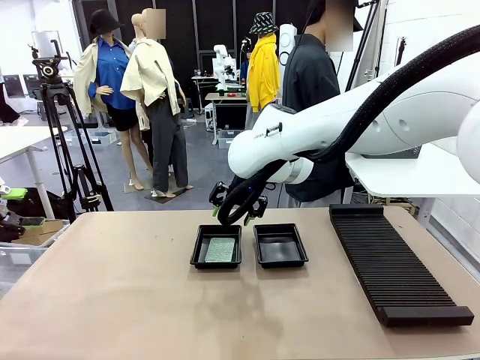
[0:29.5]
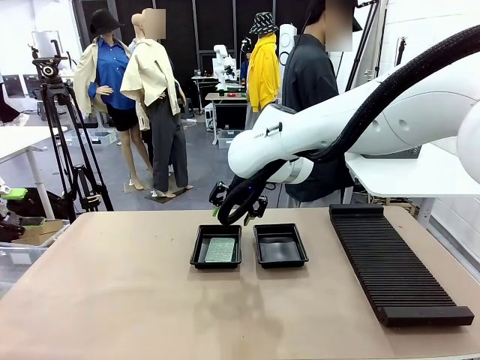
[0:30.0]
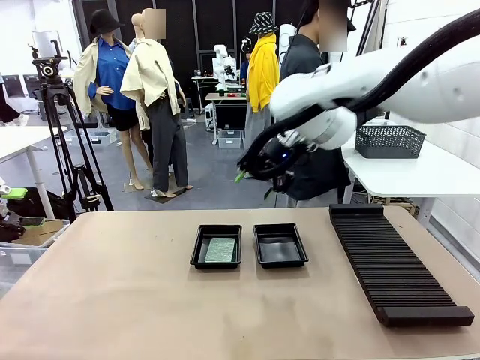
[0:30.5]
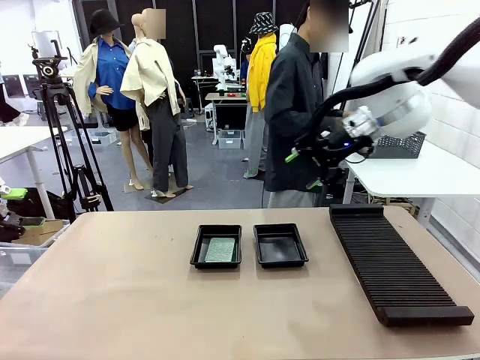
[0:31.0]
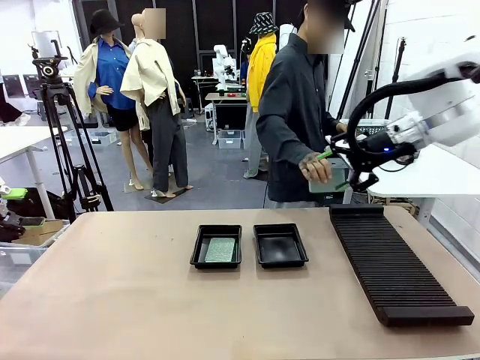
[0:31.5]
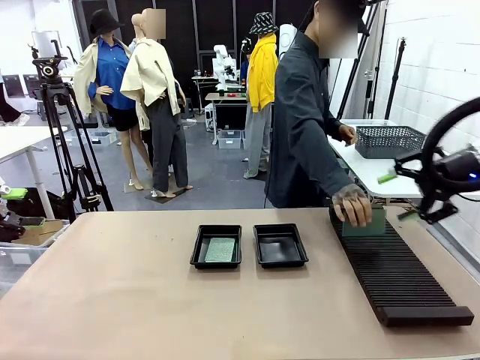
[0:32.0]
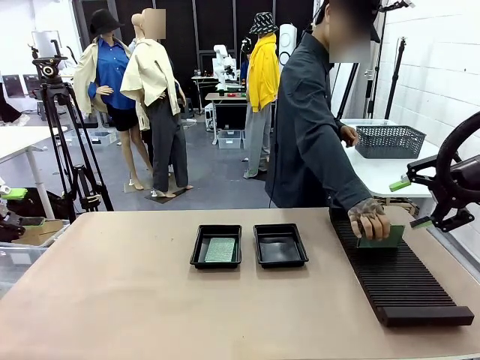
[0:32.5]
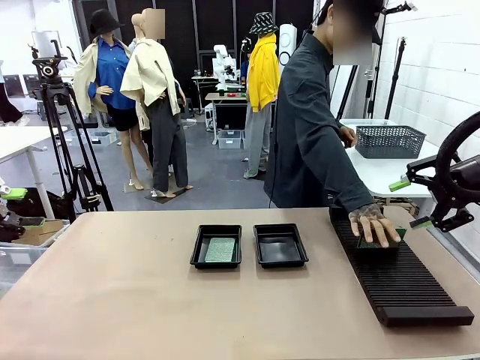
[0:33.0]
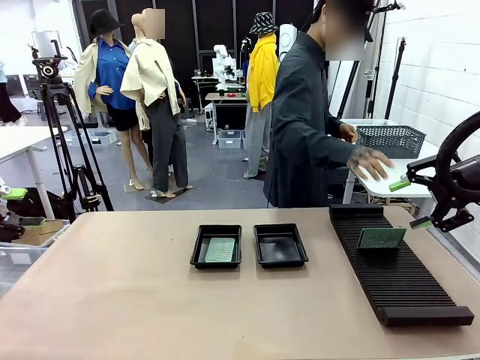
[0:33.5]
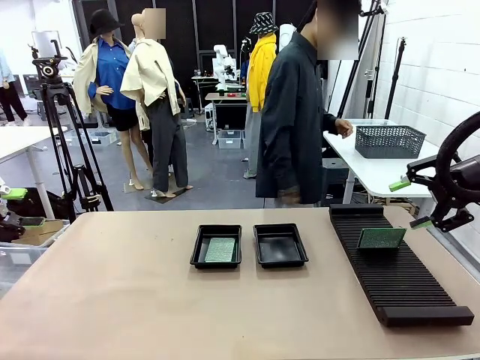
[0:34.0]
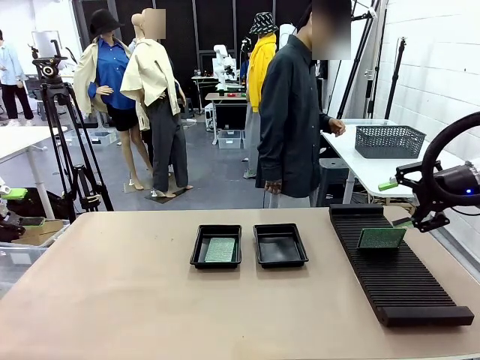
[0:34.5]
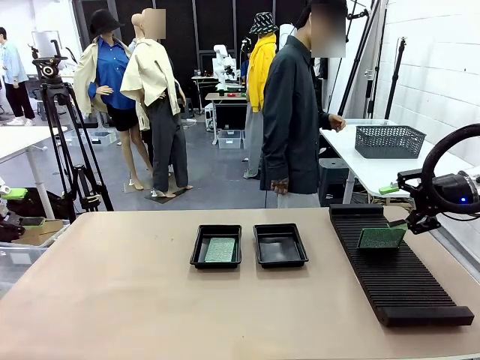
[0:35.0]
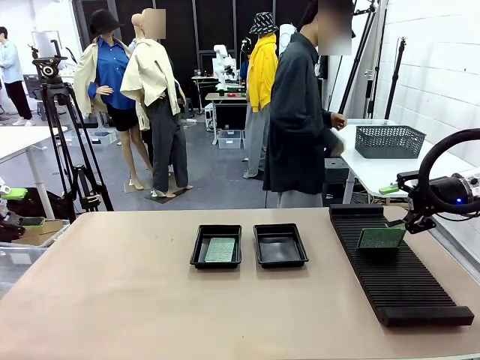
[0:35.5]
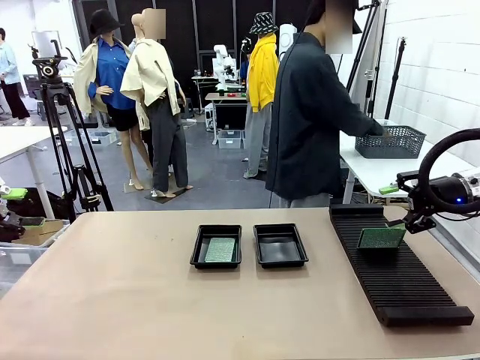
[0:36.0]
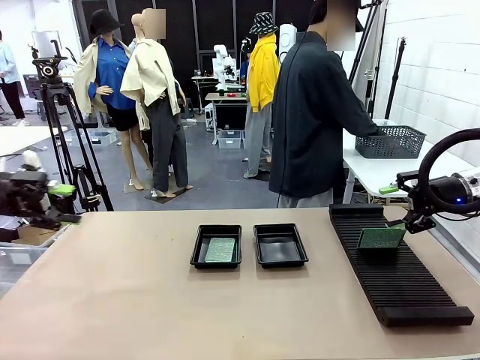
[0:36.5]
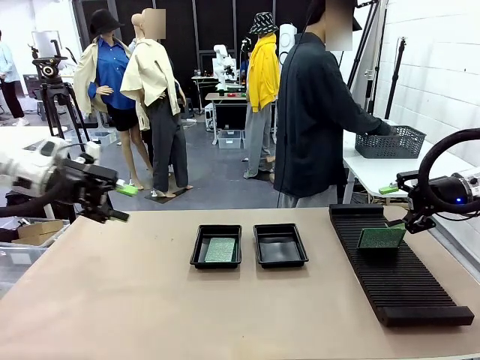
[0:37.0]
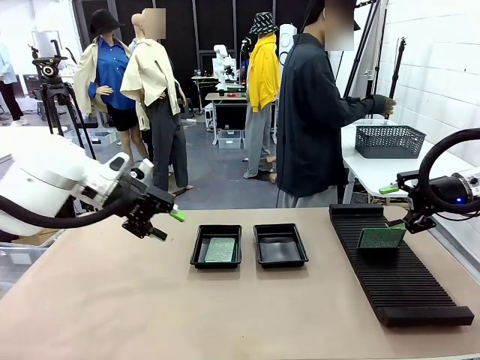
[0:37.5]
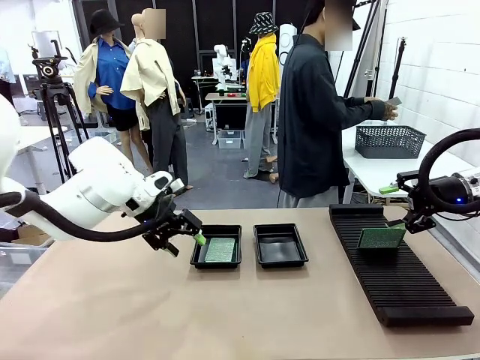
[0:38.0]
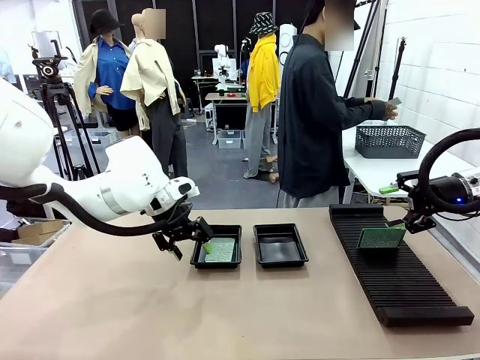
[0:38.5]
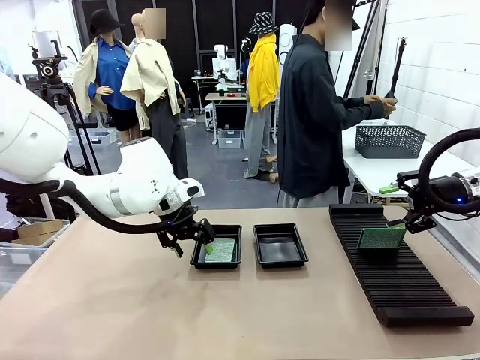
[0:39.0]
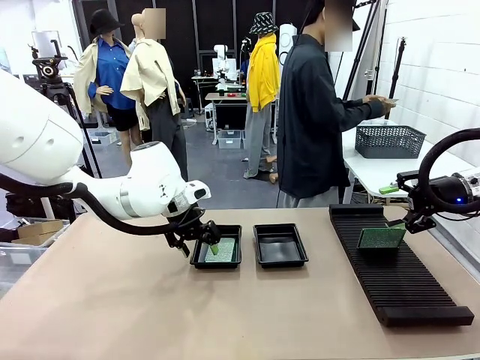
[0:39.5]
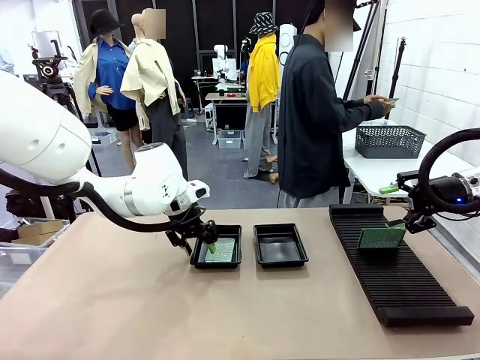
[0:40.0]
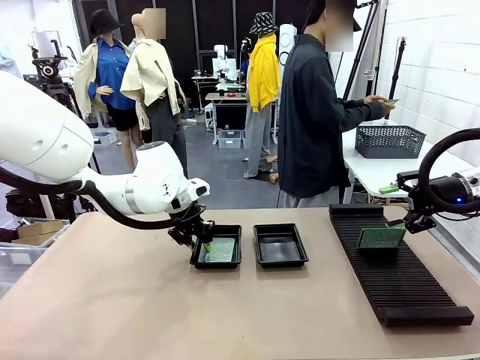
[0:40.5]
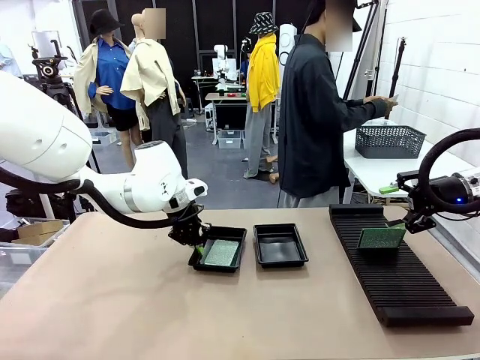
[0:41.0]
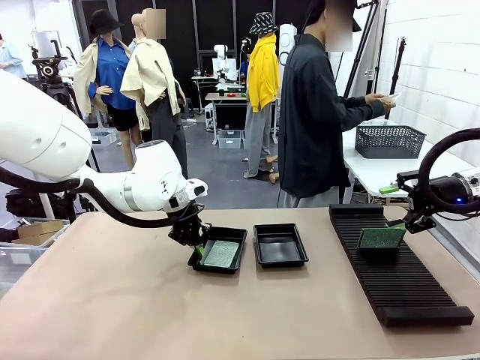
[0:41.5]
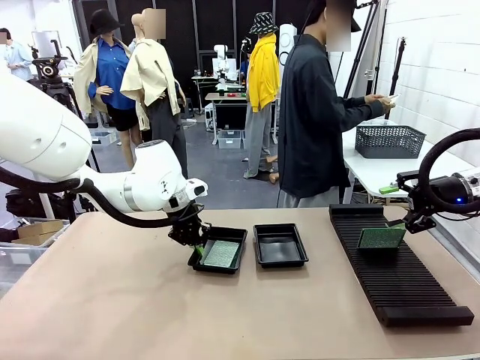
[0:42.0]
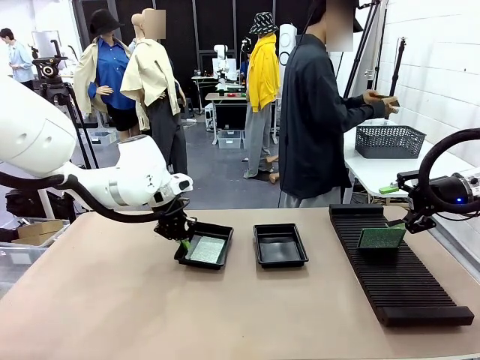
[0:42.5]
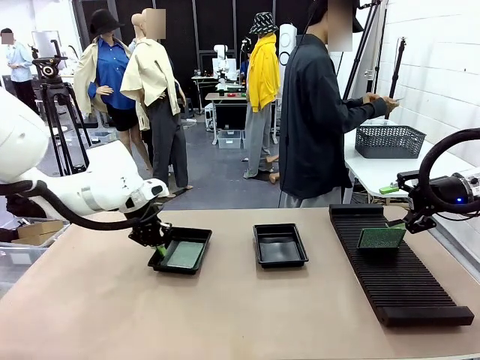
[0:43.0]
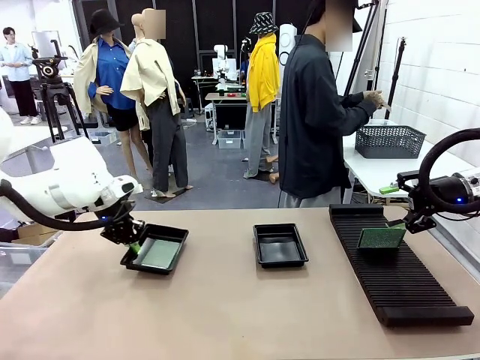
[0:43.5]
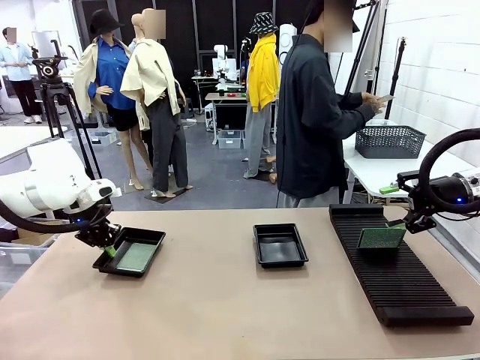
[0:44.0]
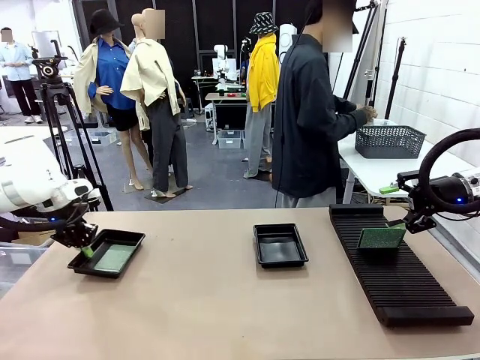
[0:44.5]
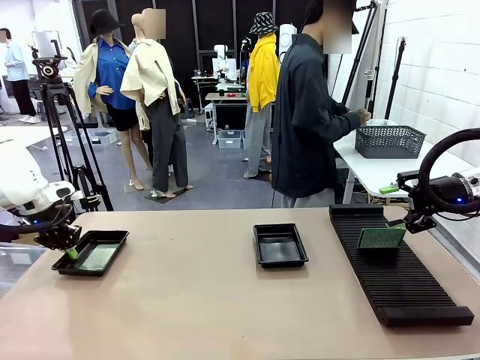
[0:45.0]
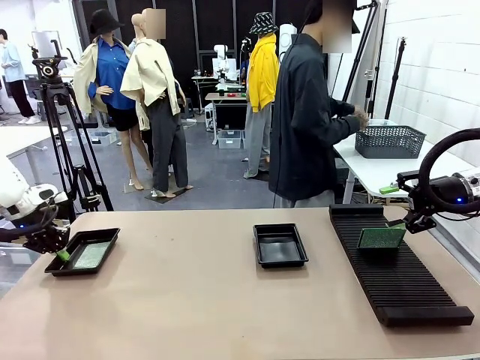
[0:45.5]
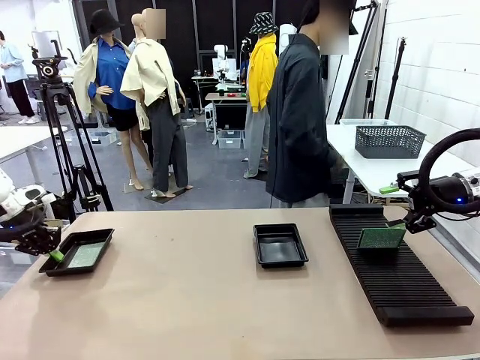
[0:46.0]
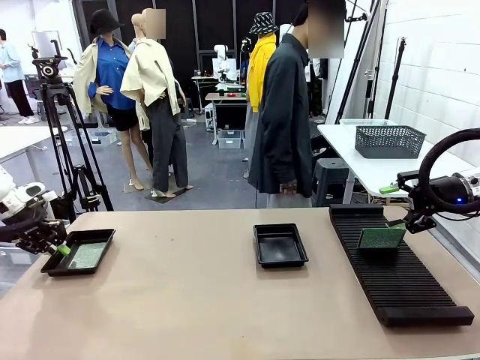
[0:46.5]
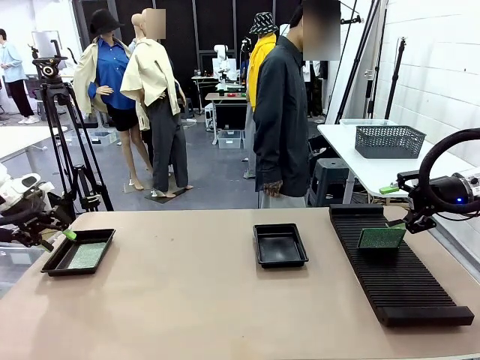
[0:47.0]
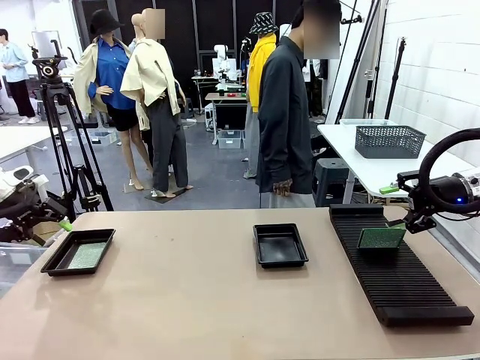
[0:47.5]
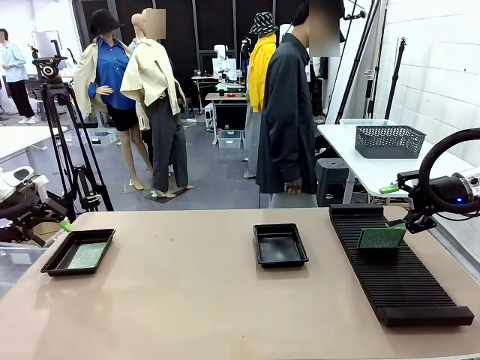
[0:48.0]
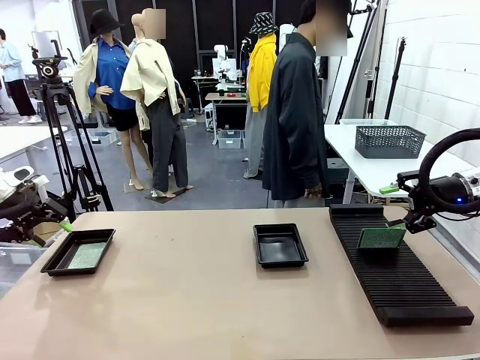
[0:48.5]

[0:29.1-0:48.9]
Task: Inspect and transfer BCBs to ESD trays.
Robot: Pick up the ESD tray and place it on the left side of the table.

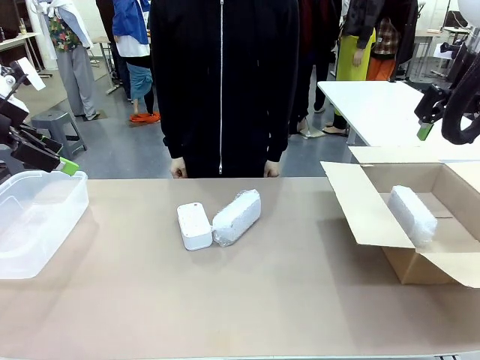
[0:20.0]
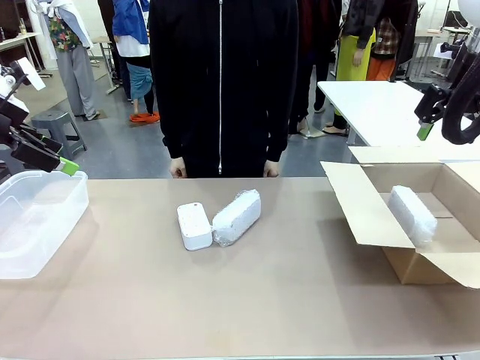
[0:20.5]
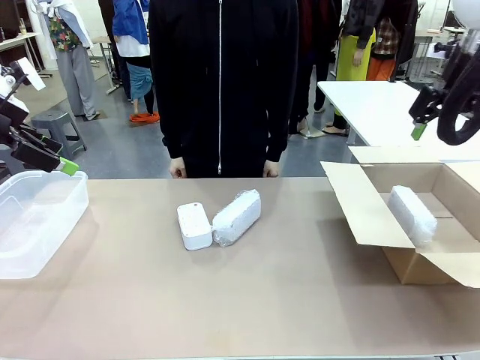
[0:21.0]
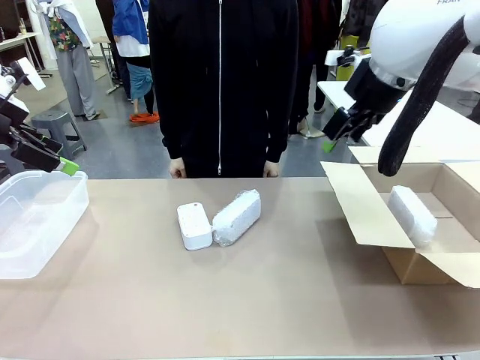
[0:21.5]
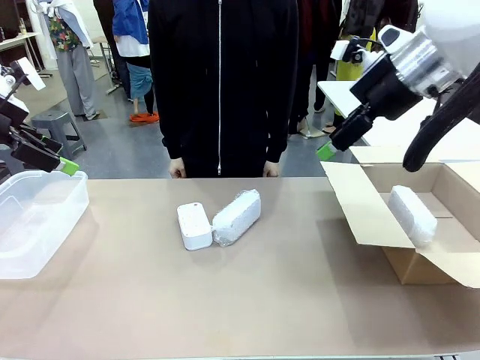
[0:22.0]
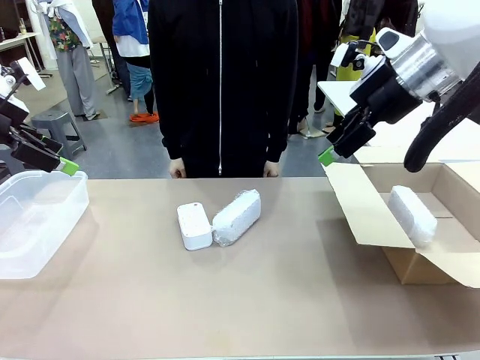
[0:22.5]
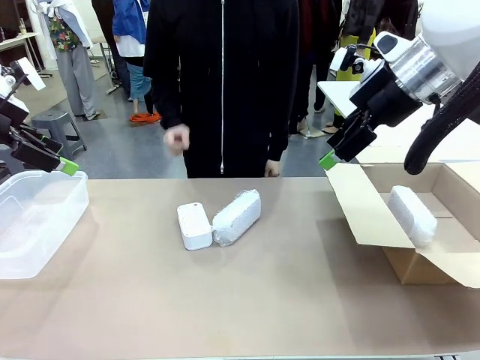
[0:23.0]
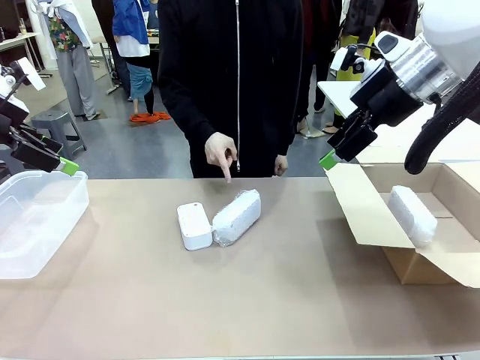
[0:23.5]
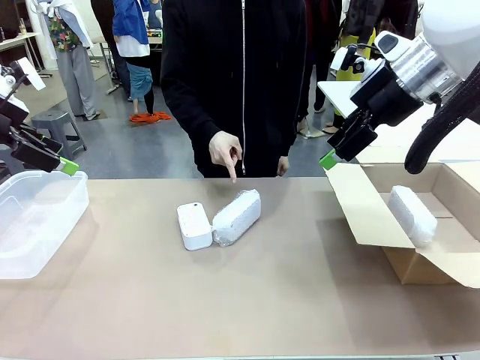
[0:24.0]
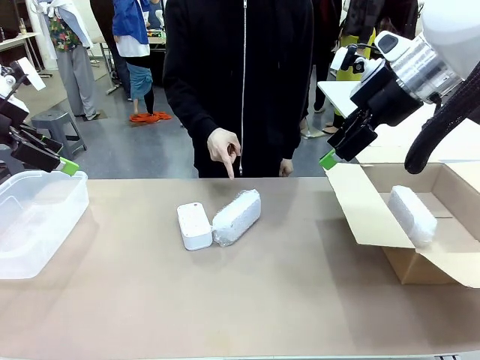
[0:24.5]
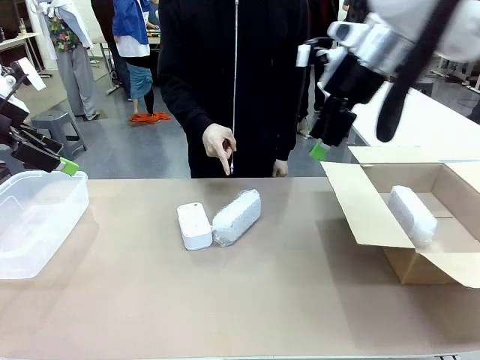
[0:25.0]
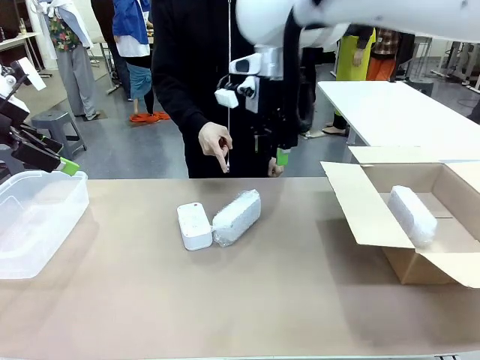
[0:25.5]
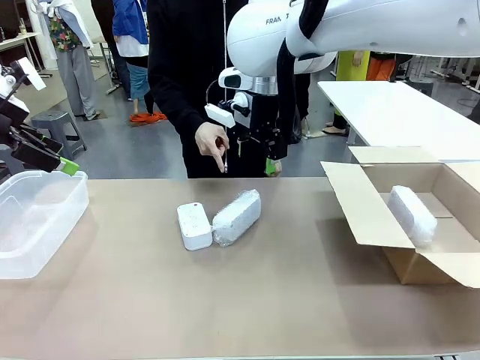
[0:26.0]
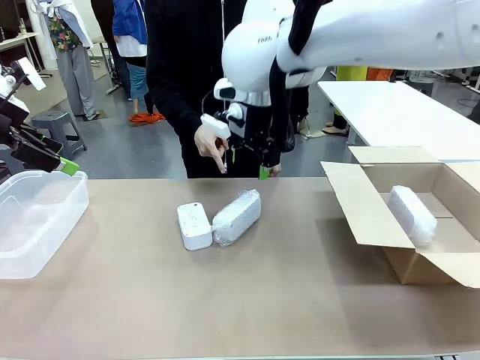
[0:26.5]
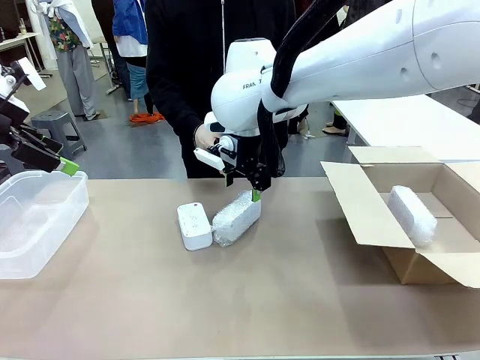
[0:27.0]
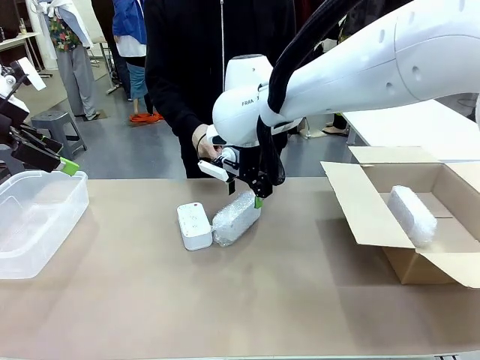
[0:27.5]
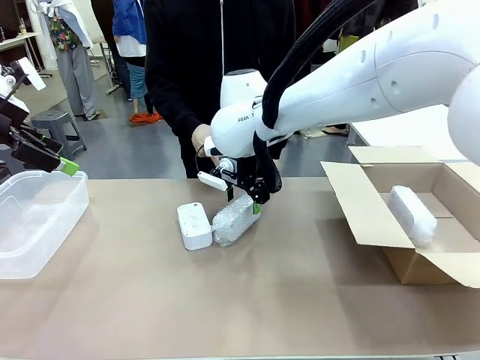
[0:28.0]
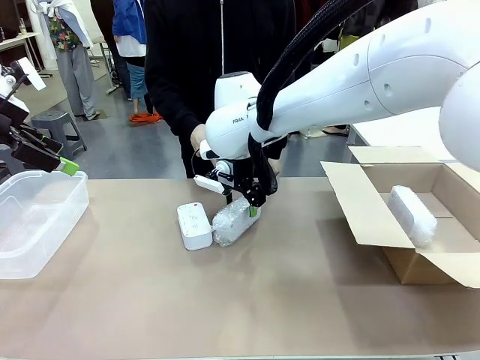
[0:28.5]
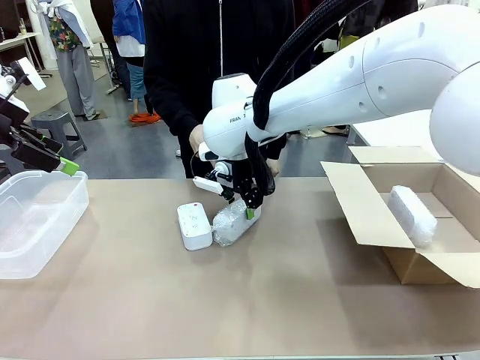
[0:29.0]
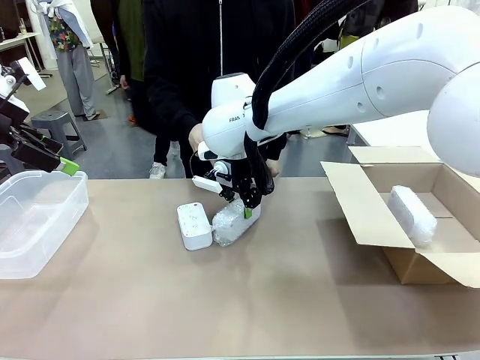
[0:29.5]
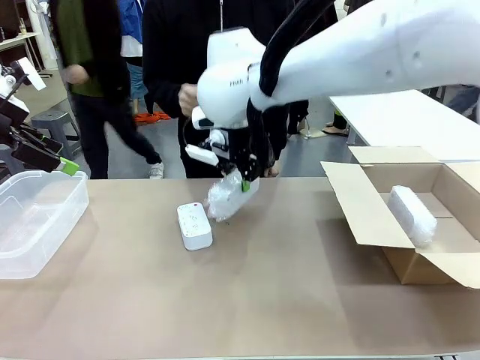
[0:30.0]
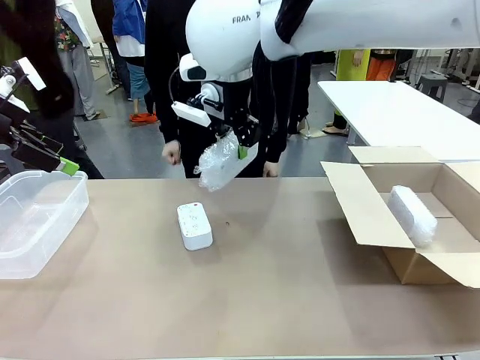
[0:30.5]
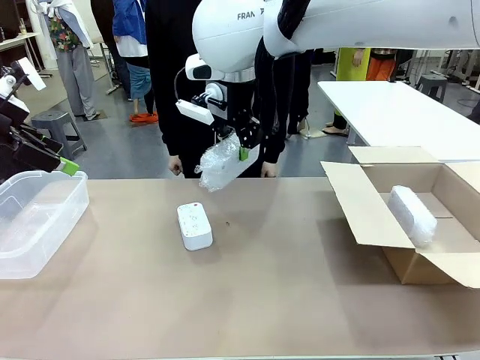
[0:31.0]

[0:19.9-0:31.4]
Task: Separate and place wrapped and unwrapped clocks.
Robot: Pick up the Digital clock indicated by the person.
